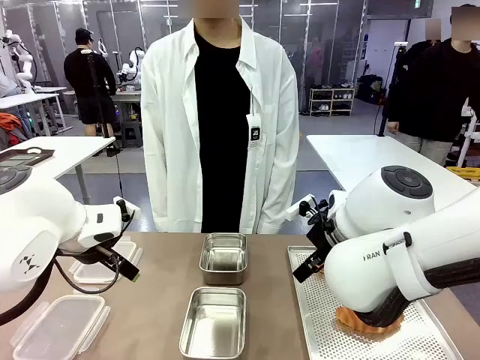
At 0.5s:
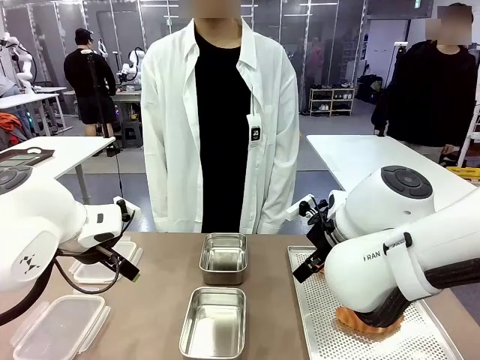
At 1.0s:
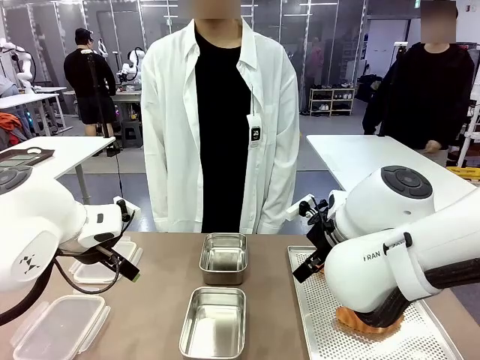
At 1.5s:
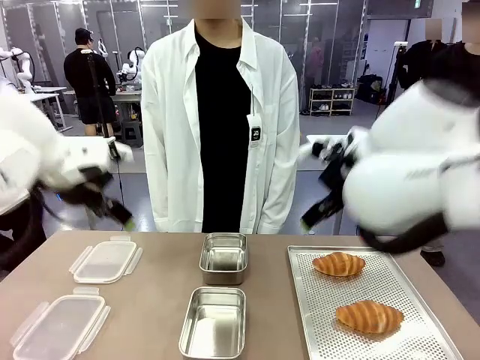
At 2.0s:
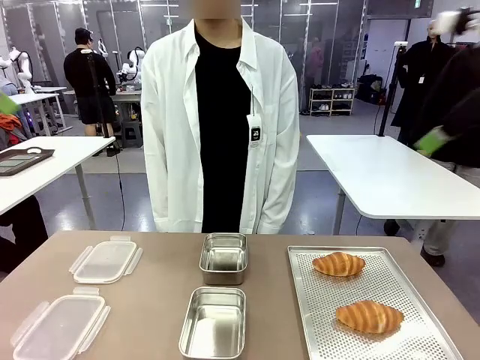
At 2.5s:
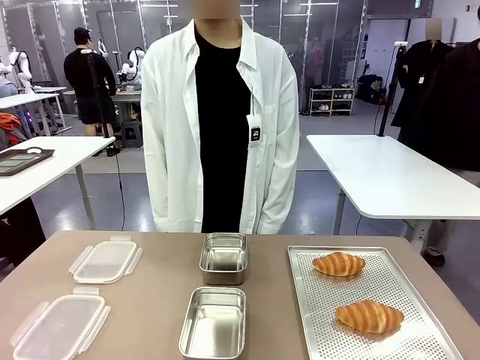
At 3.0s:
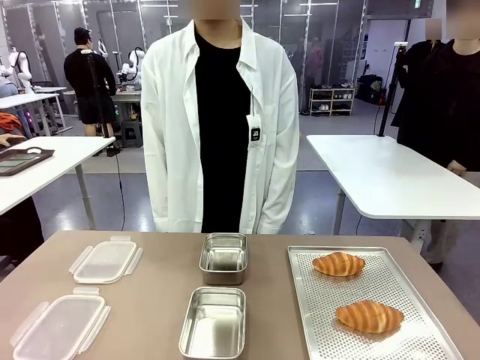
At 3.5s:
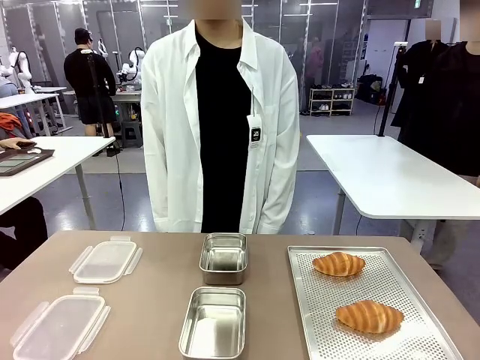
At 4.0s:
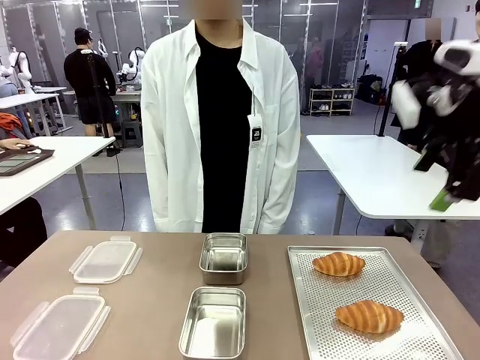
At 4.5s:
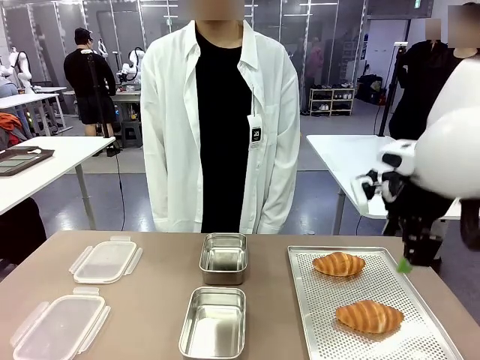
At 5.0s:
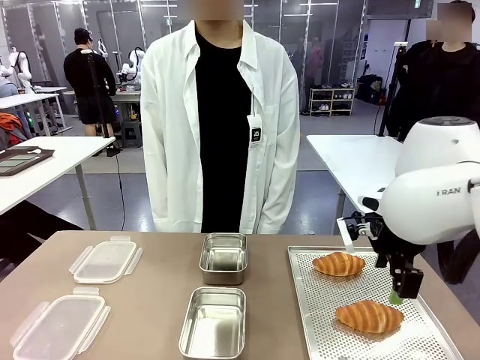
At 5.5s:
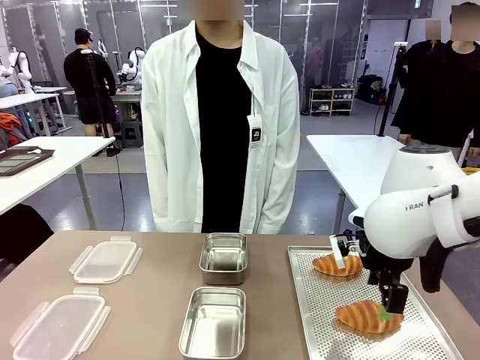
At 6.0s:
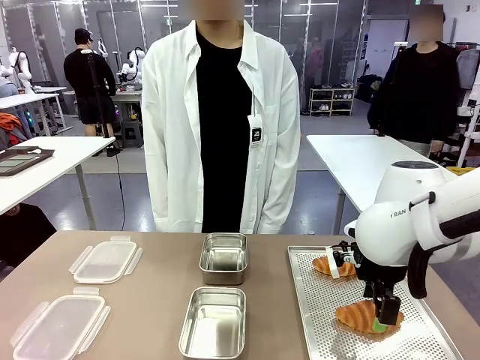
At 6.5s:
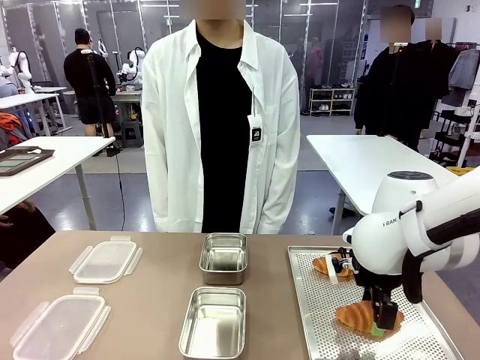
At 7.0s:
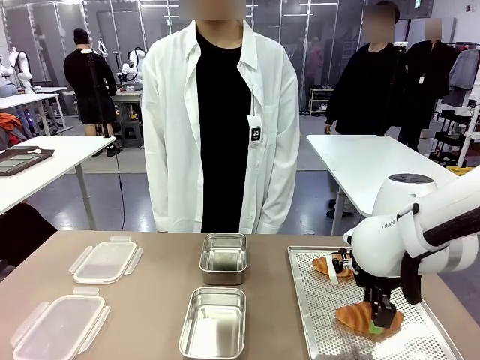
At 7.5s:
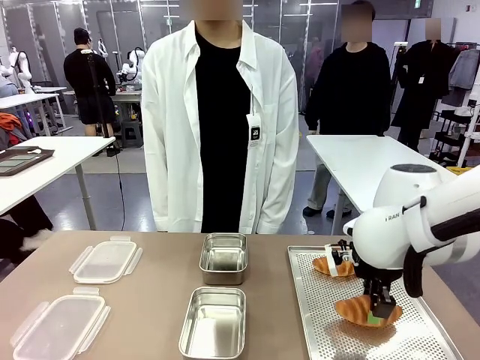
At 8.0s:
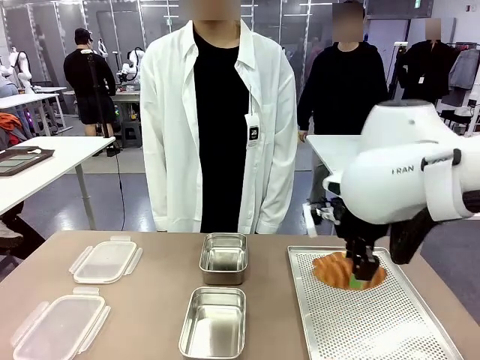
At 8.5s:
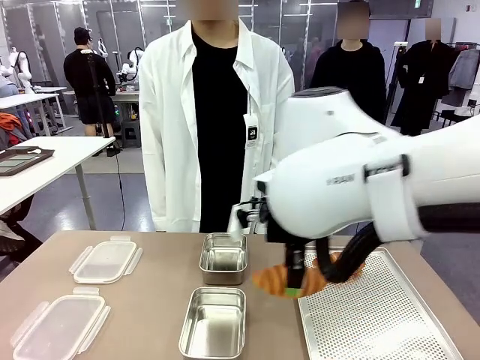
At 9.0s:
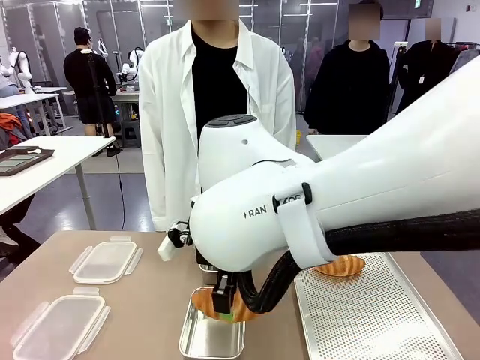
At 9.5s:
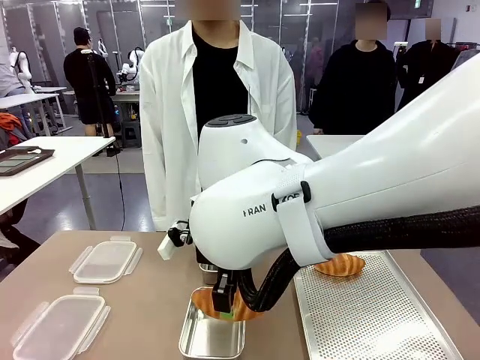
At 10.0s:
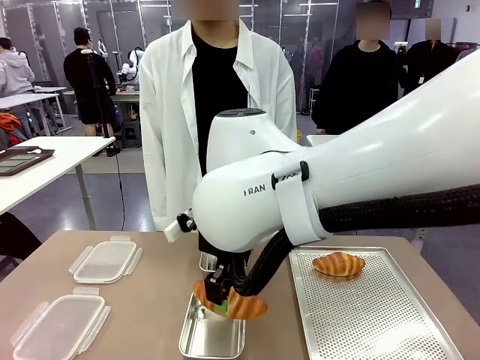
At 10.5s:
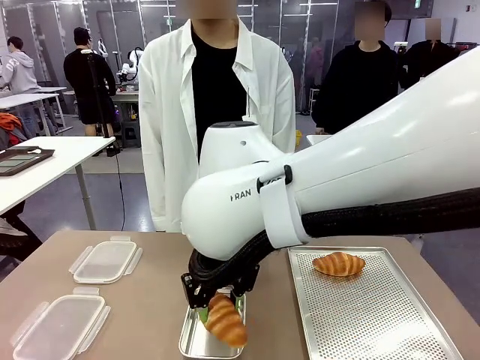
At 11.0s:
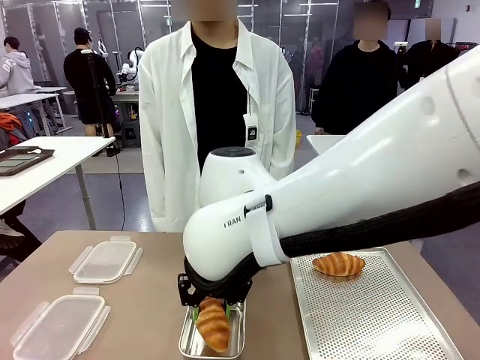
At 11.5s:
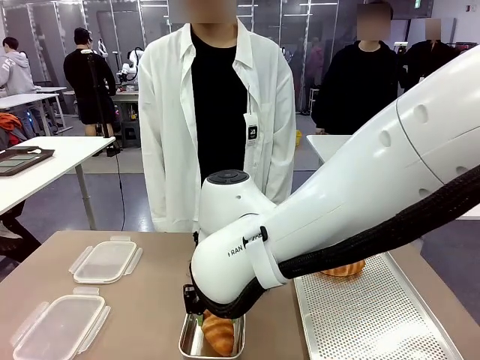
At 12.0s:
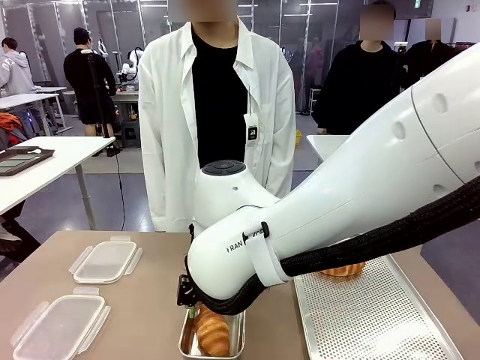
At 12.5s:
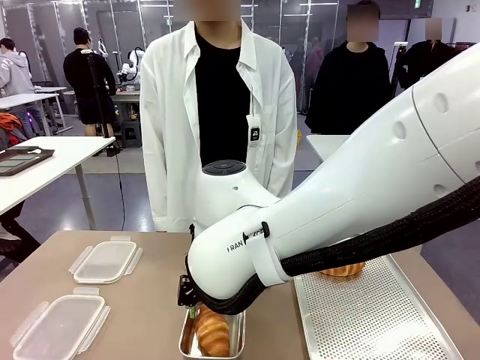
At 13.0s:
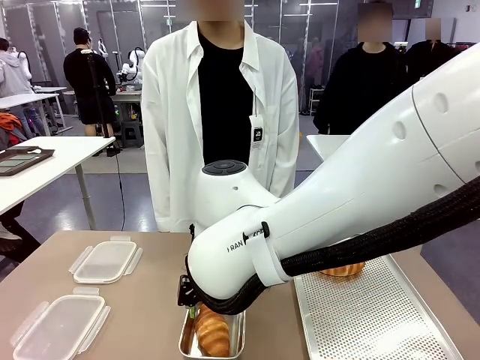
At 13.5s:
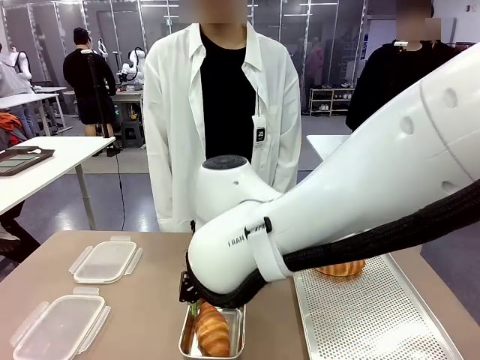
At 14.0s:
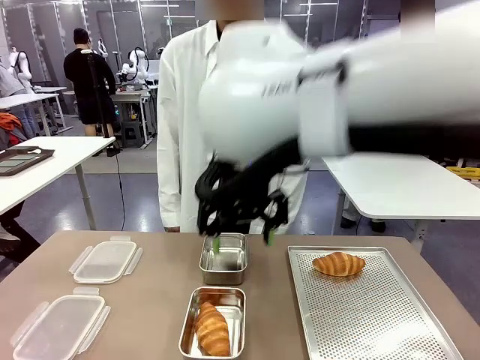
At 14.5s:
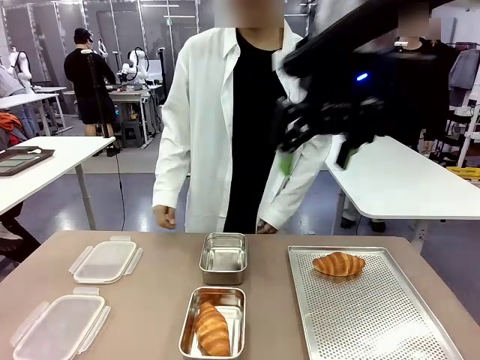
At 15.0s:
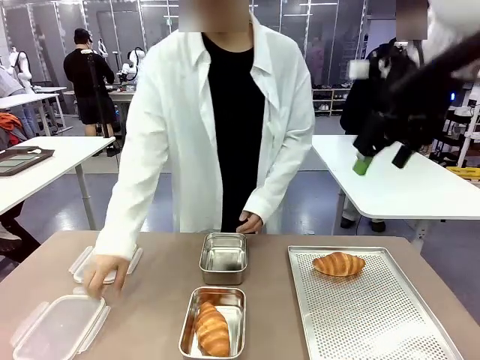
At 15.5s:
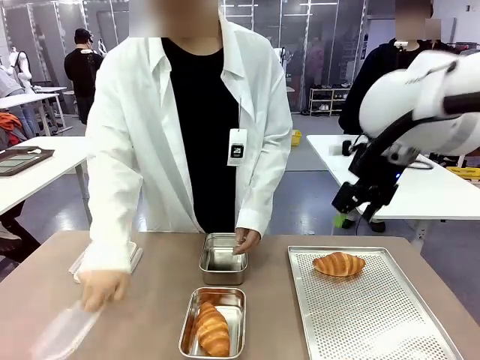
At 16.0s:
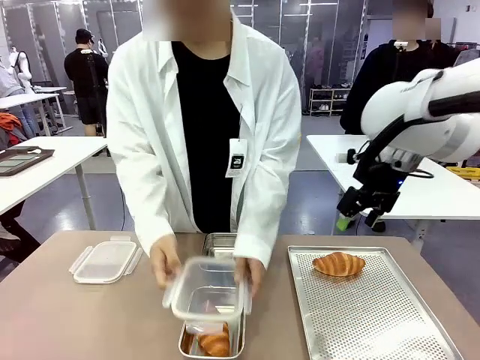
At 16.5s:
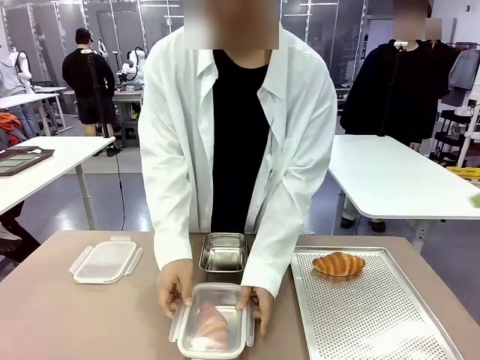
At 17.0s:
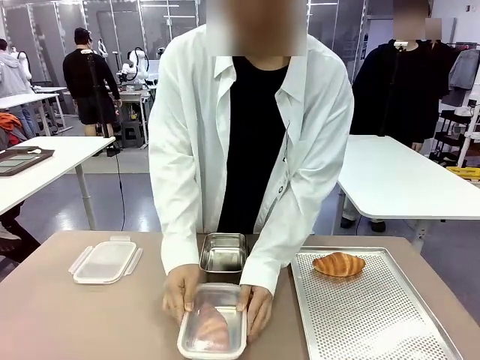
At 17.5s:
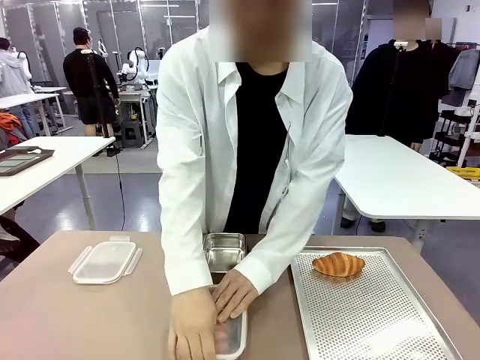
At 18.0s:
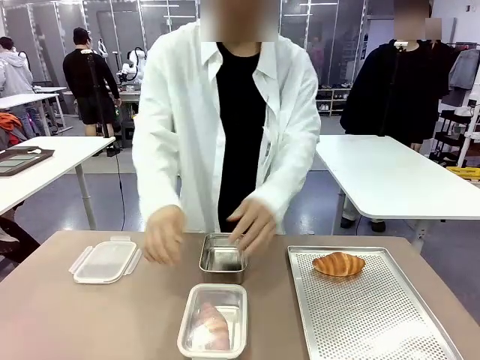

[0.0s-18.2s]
Task: Place the bread into the airtight container.
Robot: Pick up a Butter Roll and place it into an empty Airtight Container.

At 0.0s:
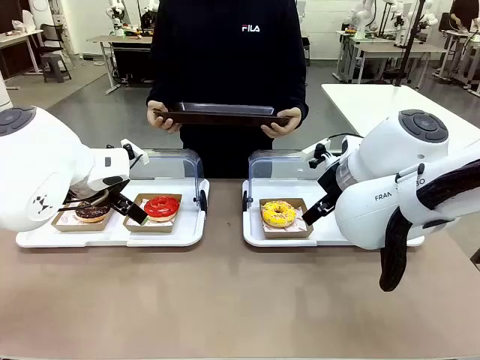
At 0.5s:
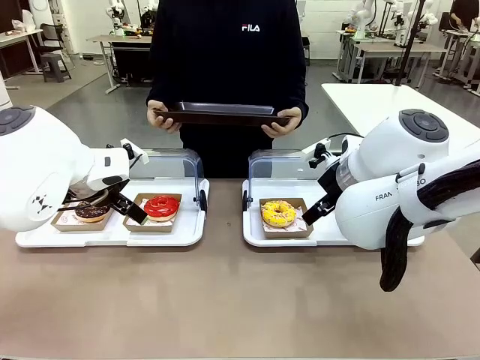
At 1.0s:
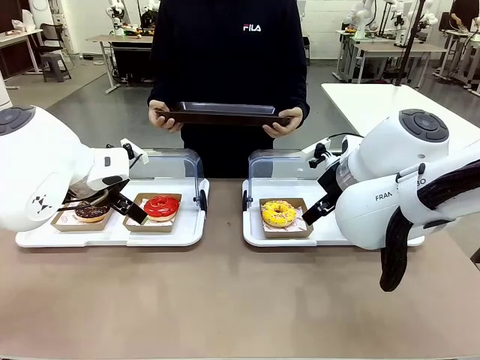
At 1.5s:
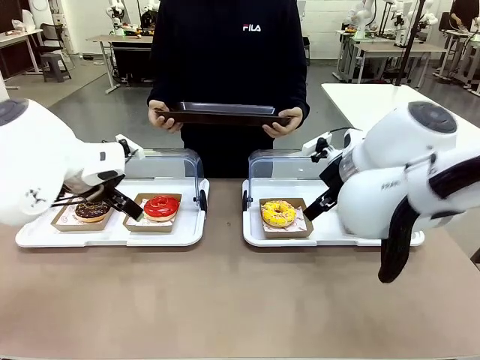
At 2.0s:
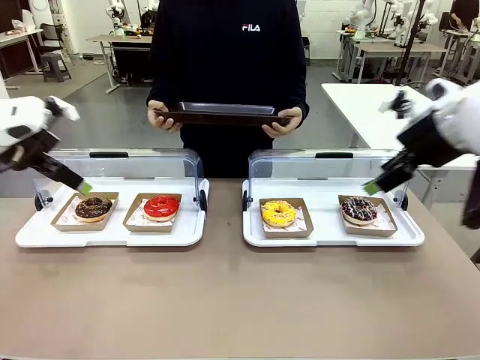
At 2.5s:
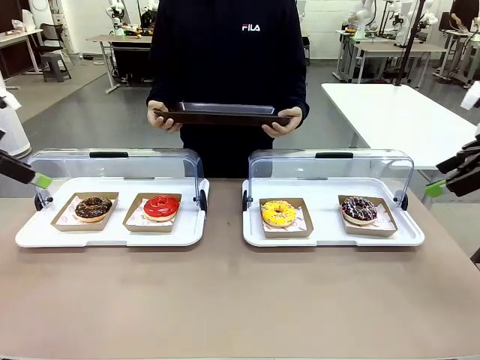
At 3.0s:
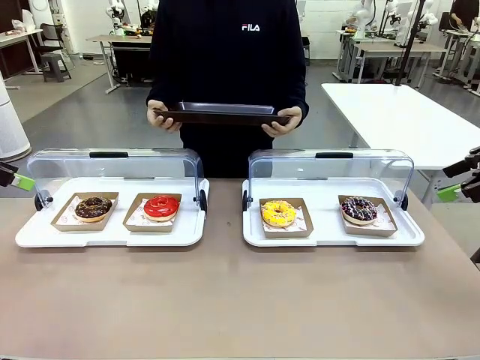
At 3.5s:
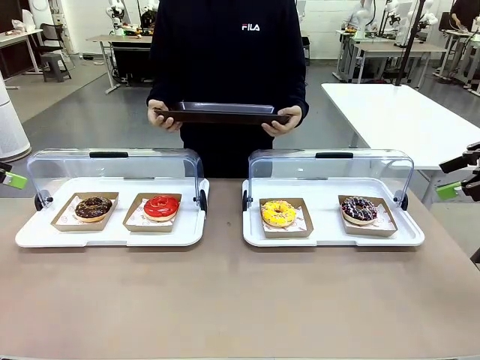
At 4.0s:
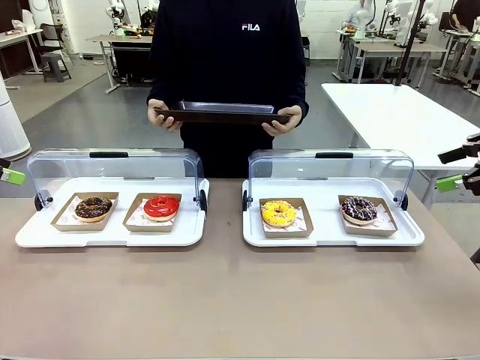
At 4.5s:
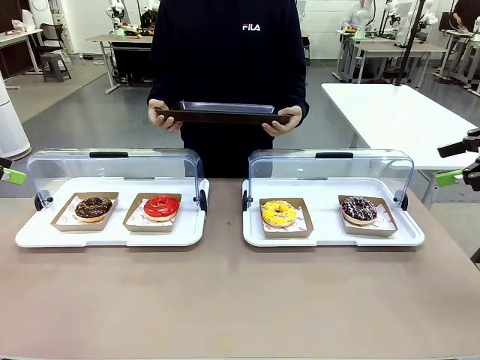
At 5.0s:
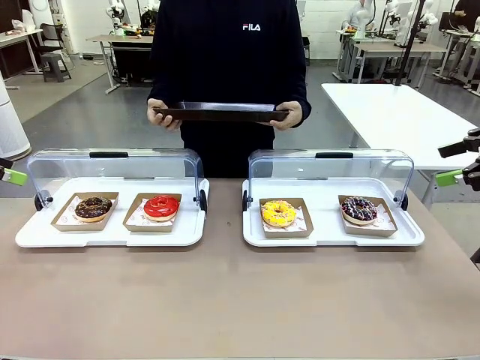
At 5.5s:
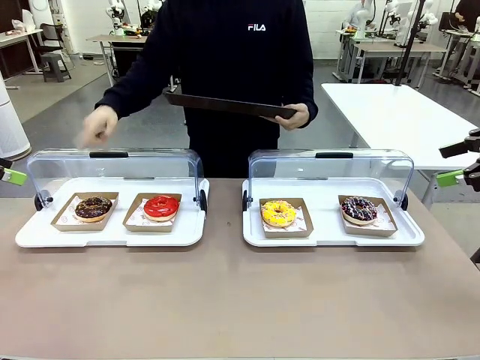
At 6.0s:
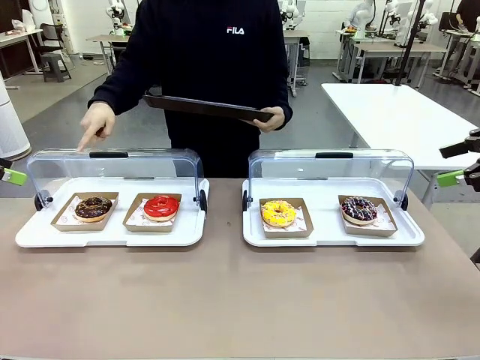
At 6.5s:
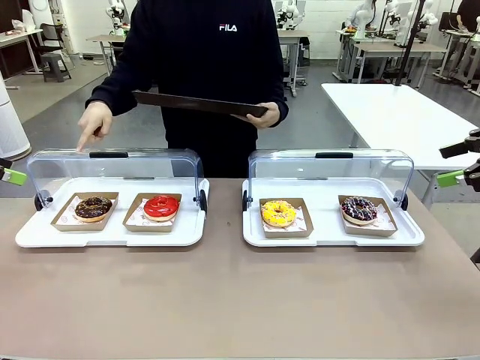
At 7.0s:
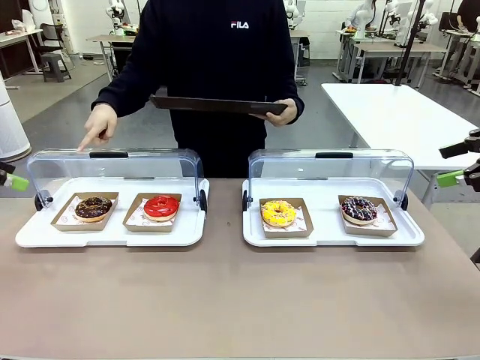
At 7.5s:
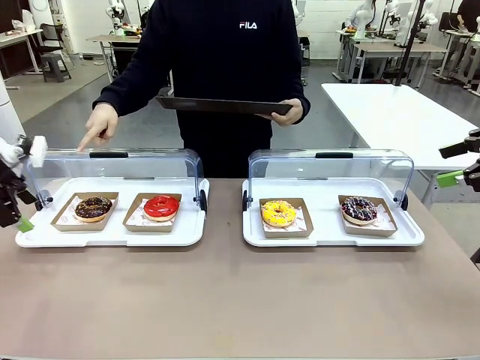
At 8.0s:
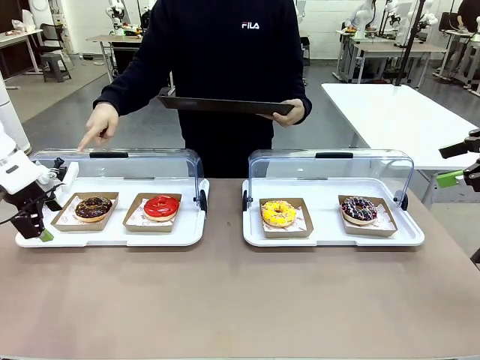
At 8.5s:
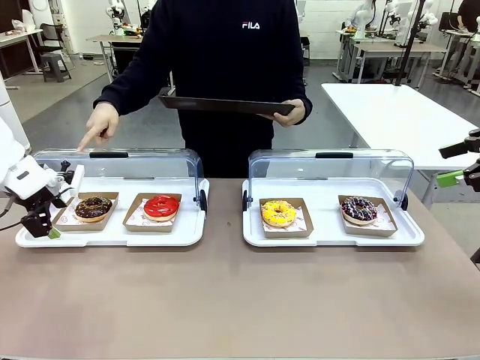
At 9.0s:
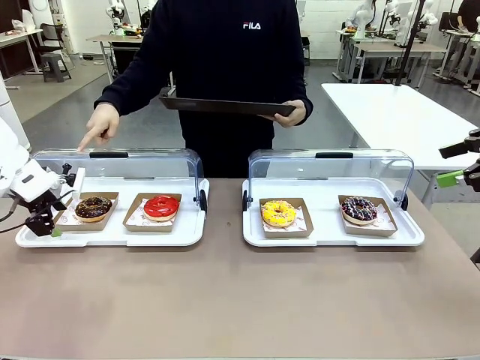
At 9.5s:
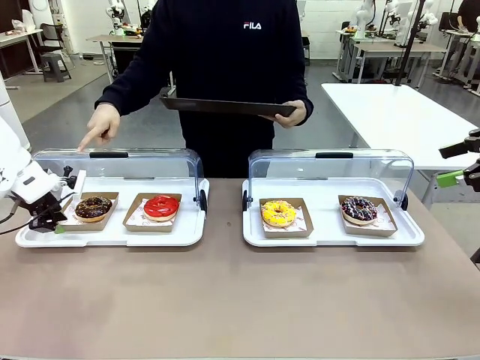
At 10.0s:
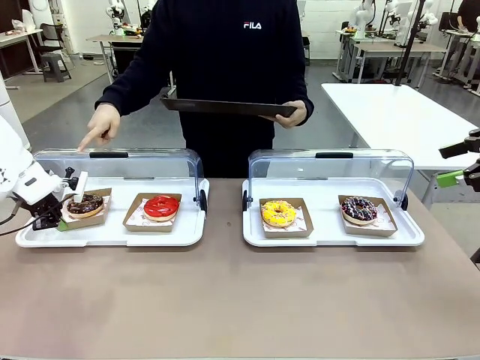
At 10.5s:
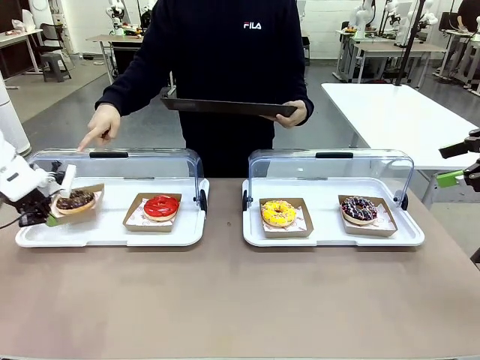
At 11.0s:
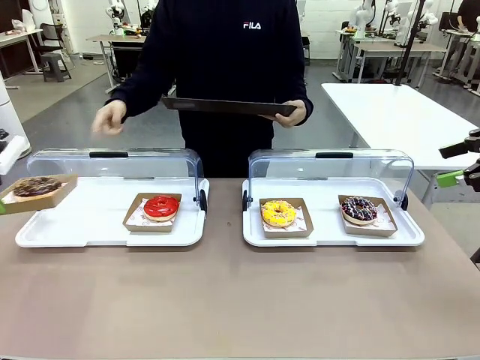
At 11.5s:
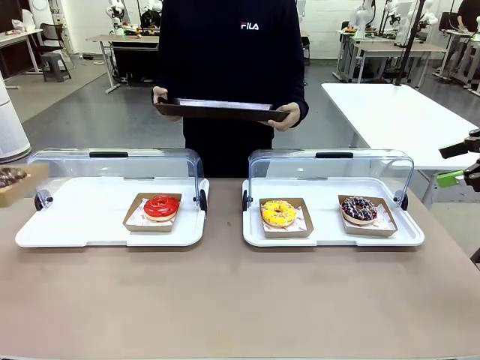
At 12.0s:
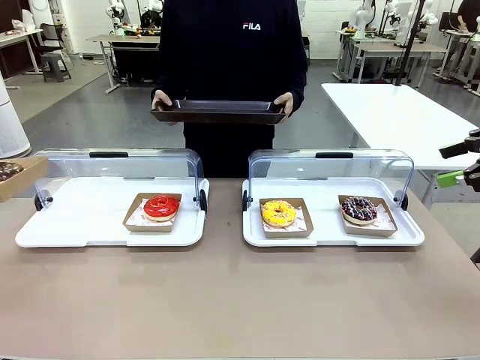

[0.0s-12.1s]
Task: Provide the desired donut to the person.
Robot: Pick up and lift the Paper togo box containing the Donut pointed at by the person.
Person: Point to one donut. Lift the tray onto the Roll-Top Bakery Case.
